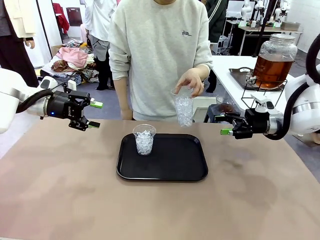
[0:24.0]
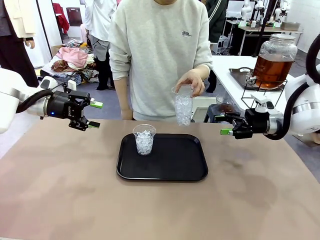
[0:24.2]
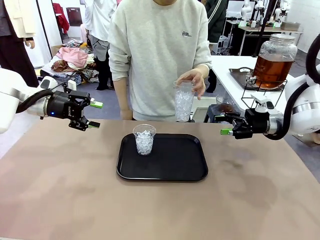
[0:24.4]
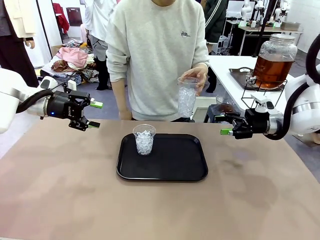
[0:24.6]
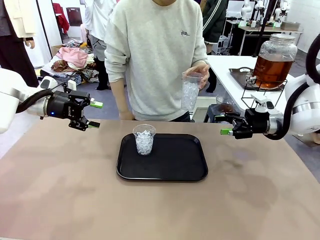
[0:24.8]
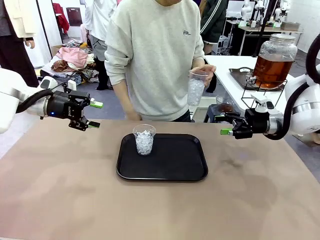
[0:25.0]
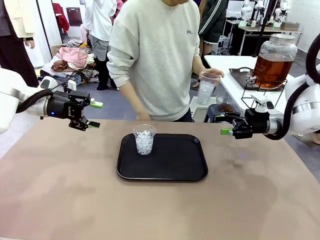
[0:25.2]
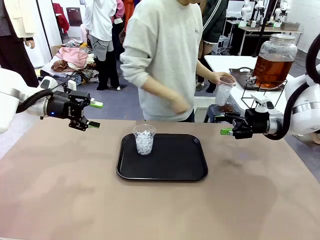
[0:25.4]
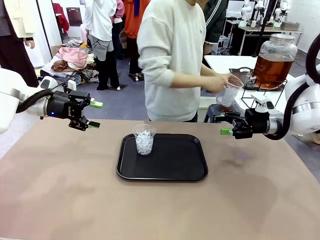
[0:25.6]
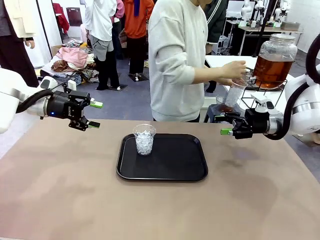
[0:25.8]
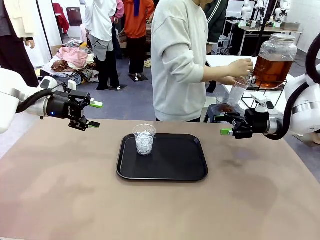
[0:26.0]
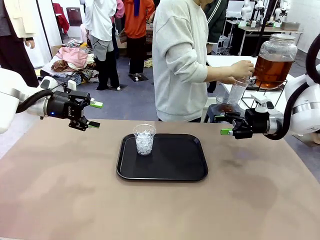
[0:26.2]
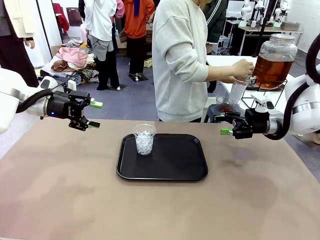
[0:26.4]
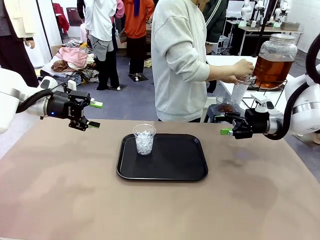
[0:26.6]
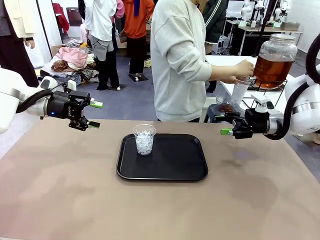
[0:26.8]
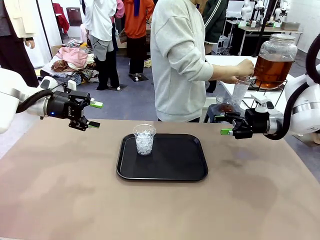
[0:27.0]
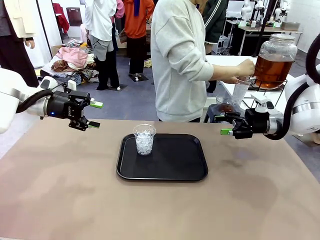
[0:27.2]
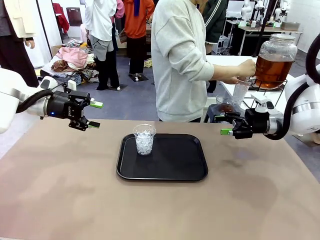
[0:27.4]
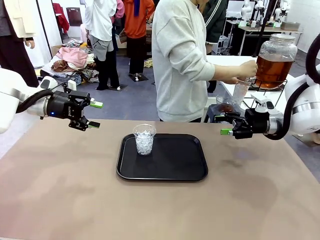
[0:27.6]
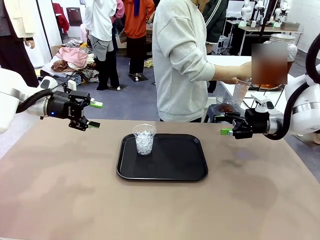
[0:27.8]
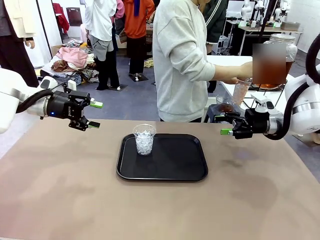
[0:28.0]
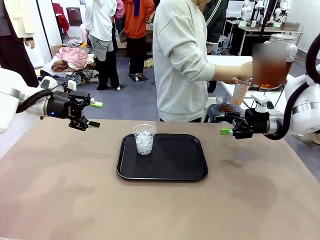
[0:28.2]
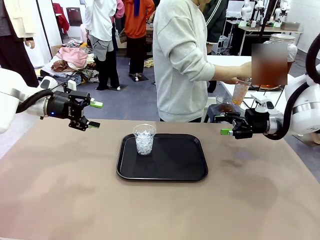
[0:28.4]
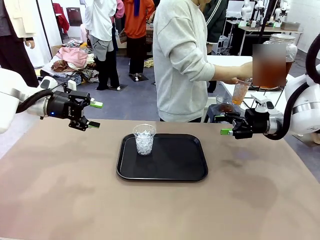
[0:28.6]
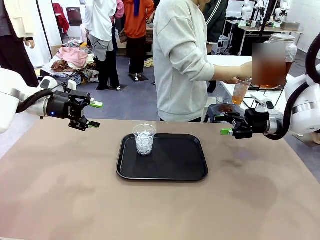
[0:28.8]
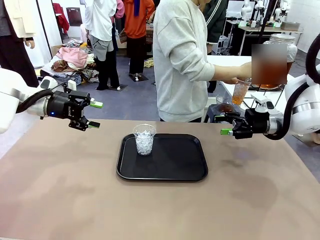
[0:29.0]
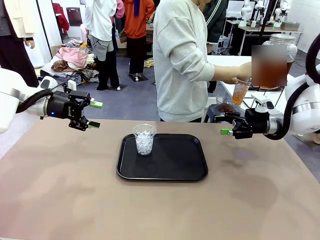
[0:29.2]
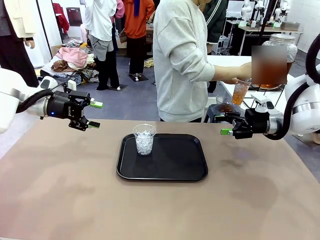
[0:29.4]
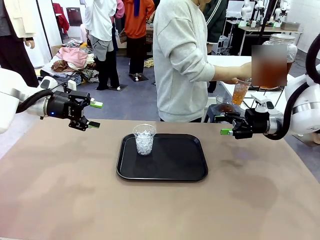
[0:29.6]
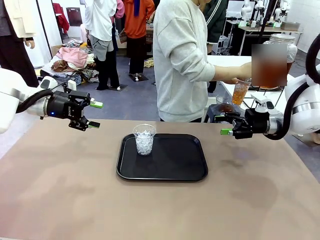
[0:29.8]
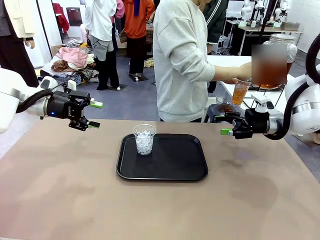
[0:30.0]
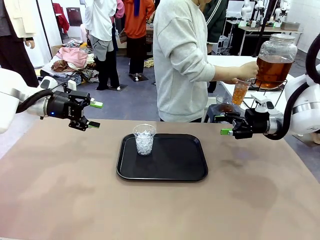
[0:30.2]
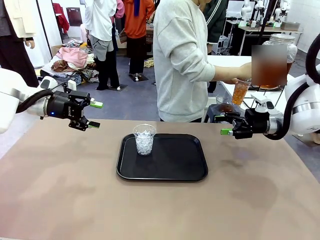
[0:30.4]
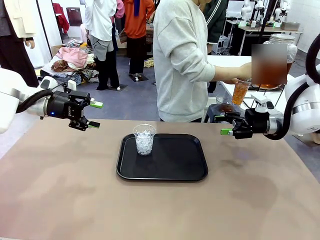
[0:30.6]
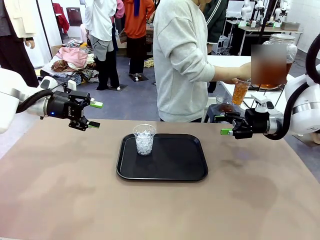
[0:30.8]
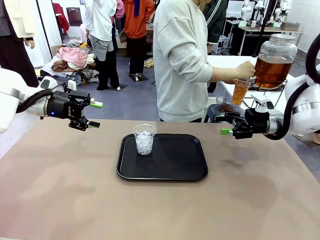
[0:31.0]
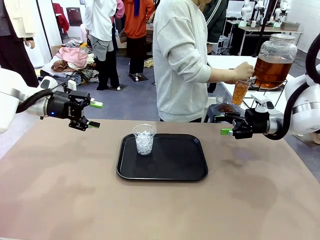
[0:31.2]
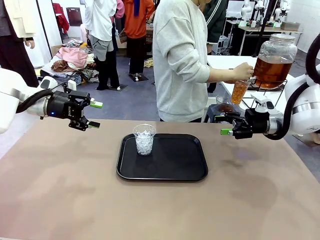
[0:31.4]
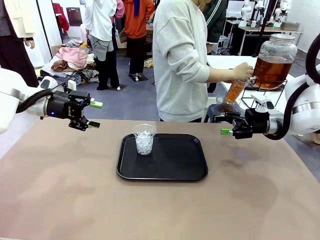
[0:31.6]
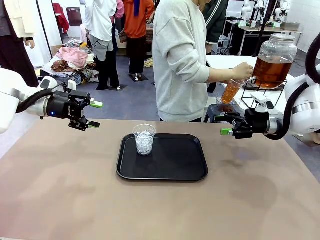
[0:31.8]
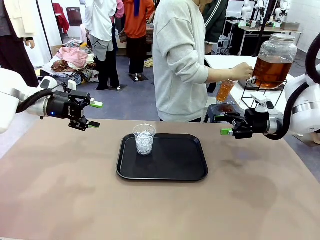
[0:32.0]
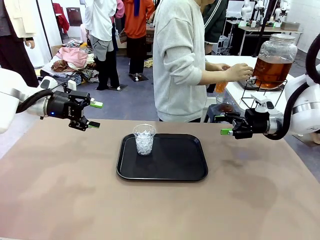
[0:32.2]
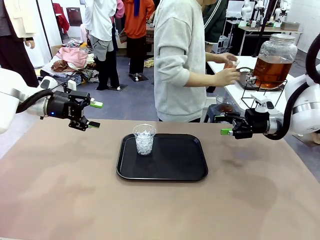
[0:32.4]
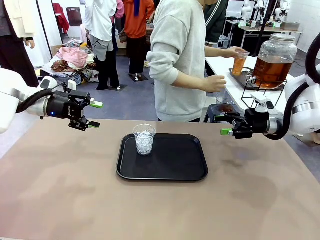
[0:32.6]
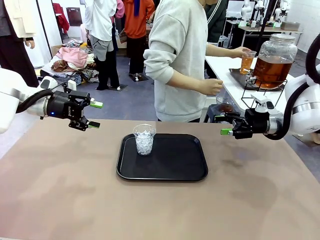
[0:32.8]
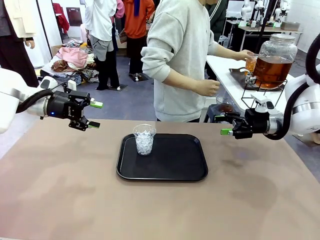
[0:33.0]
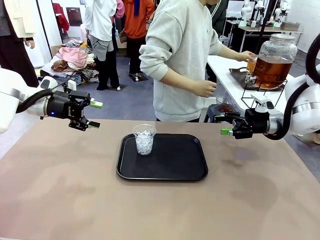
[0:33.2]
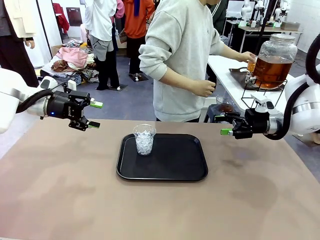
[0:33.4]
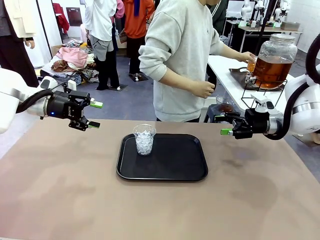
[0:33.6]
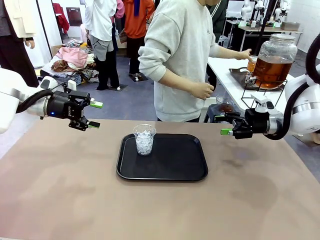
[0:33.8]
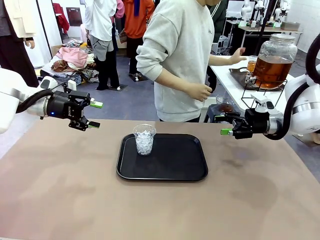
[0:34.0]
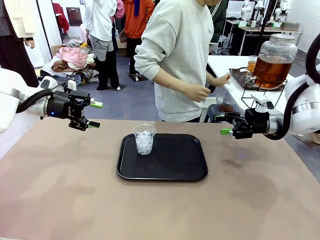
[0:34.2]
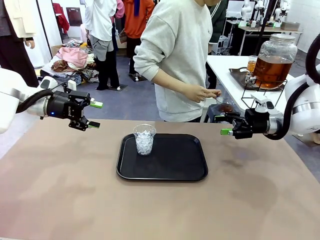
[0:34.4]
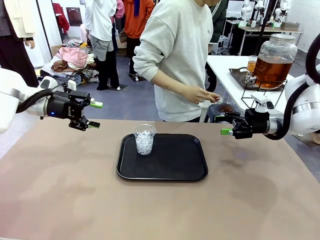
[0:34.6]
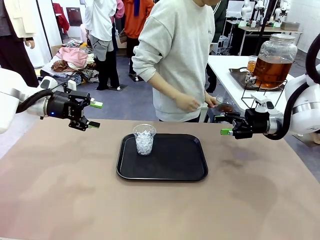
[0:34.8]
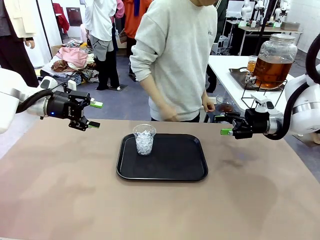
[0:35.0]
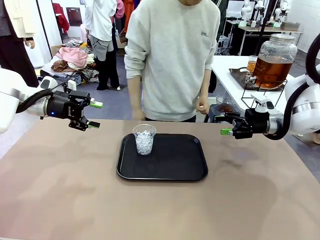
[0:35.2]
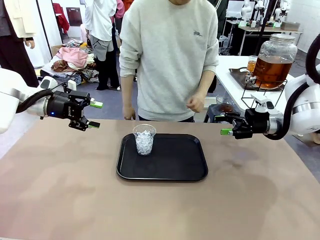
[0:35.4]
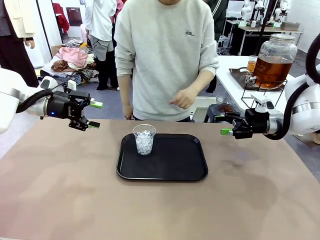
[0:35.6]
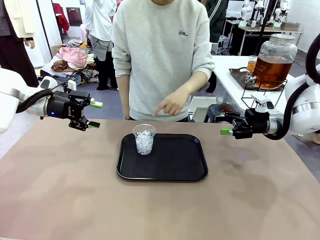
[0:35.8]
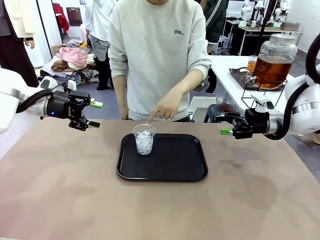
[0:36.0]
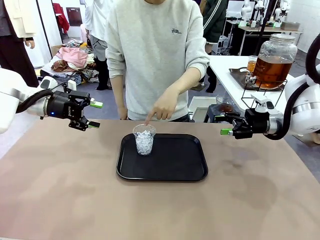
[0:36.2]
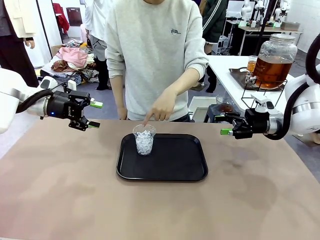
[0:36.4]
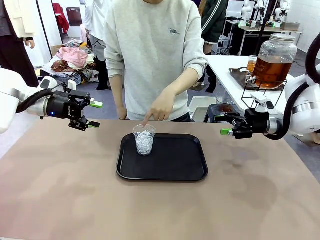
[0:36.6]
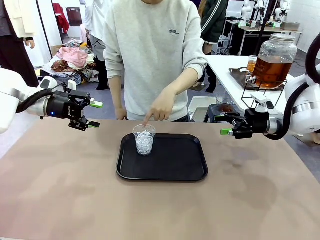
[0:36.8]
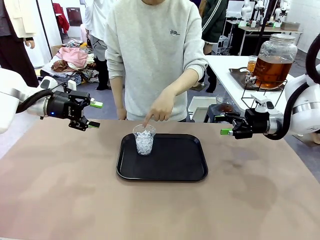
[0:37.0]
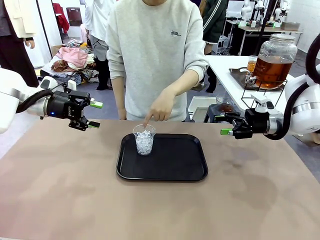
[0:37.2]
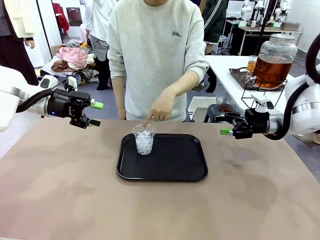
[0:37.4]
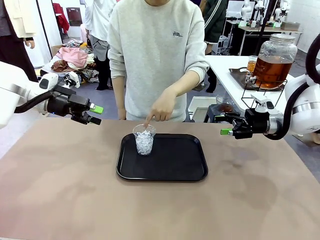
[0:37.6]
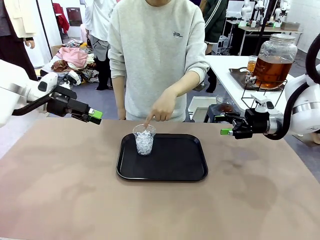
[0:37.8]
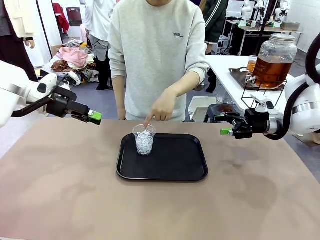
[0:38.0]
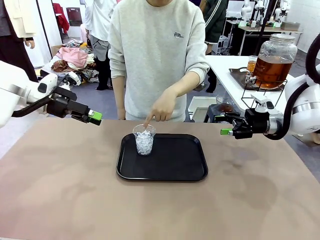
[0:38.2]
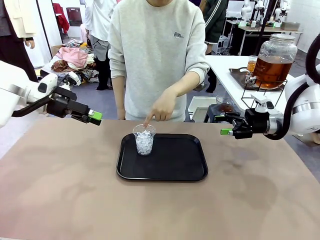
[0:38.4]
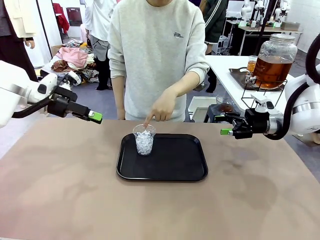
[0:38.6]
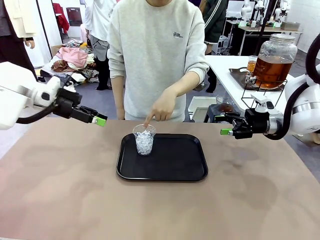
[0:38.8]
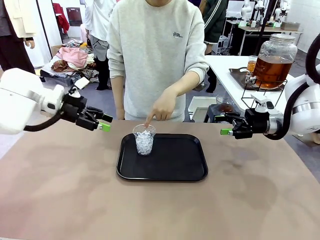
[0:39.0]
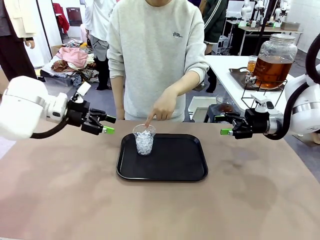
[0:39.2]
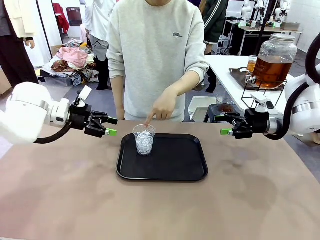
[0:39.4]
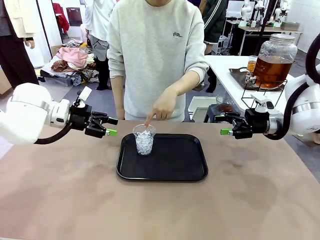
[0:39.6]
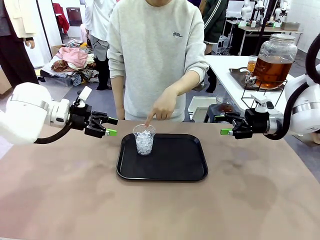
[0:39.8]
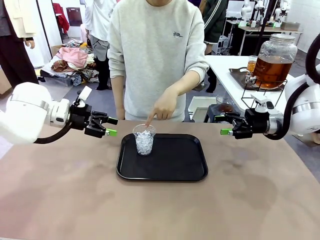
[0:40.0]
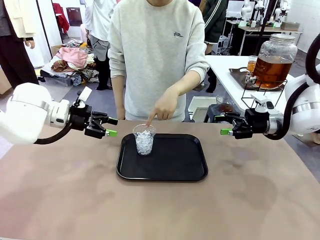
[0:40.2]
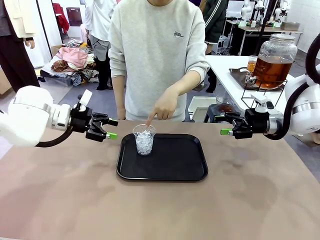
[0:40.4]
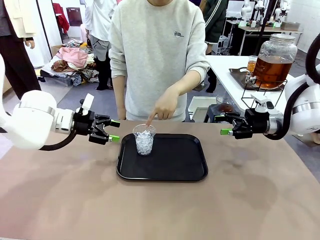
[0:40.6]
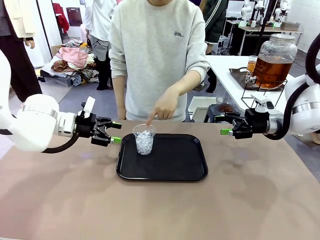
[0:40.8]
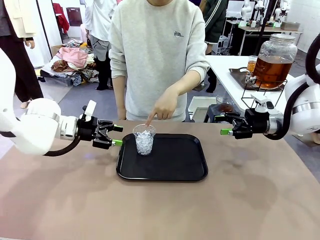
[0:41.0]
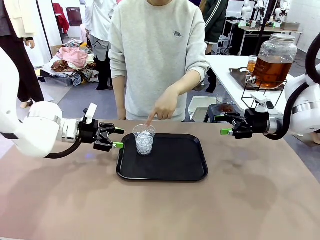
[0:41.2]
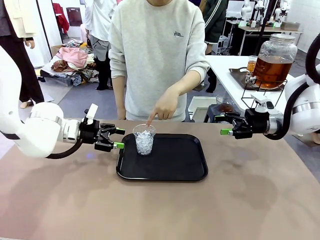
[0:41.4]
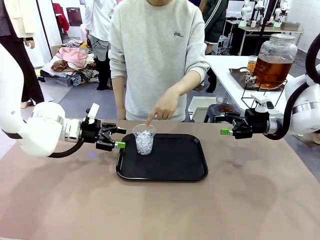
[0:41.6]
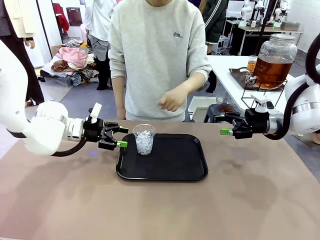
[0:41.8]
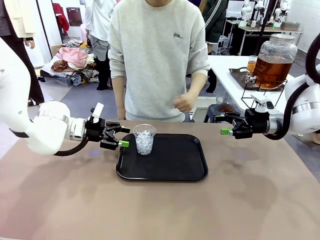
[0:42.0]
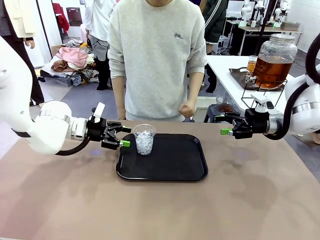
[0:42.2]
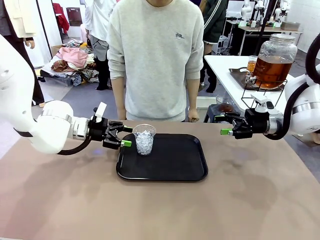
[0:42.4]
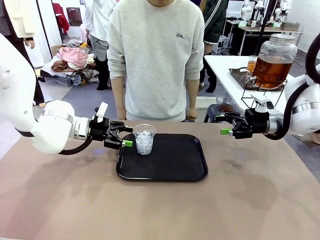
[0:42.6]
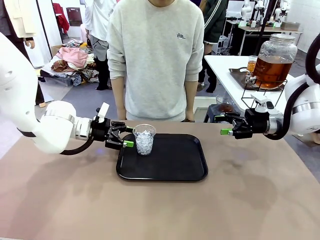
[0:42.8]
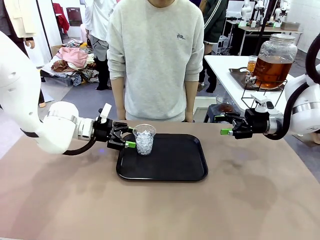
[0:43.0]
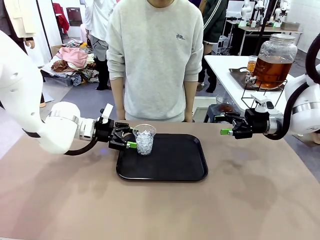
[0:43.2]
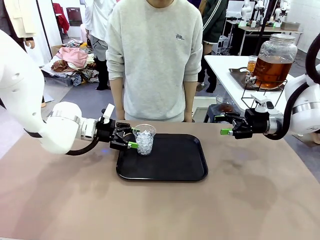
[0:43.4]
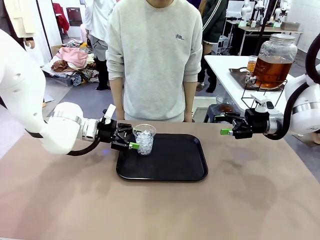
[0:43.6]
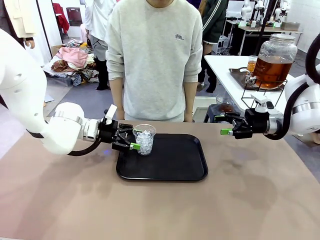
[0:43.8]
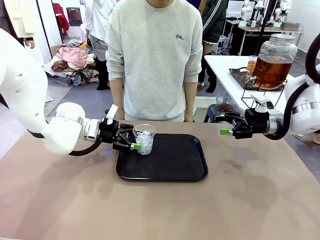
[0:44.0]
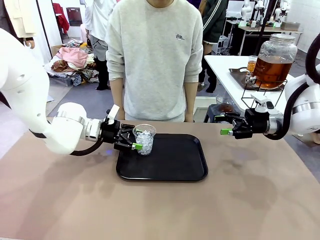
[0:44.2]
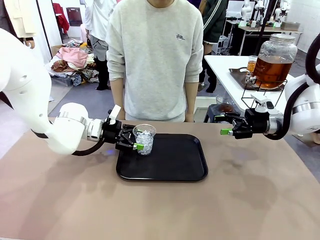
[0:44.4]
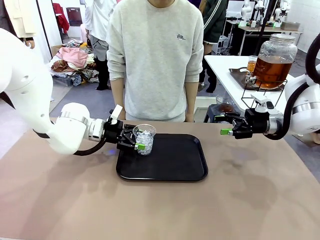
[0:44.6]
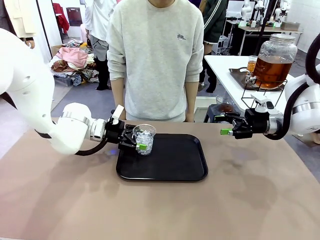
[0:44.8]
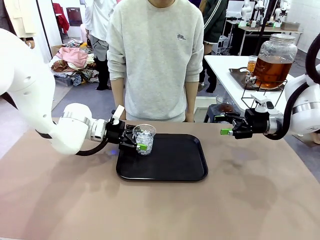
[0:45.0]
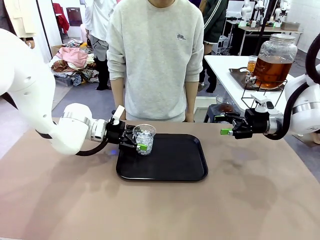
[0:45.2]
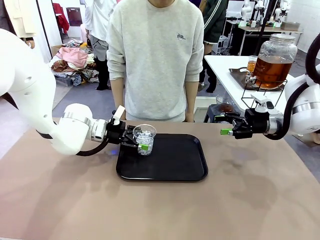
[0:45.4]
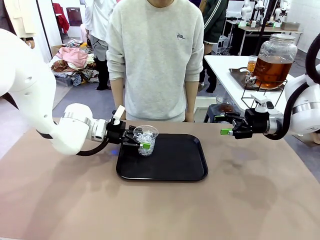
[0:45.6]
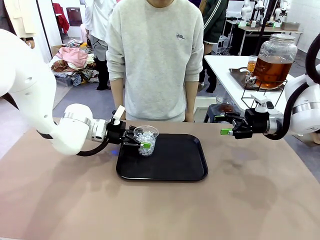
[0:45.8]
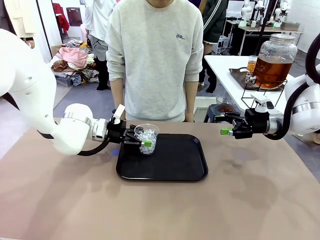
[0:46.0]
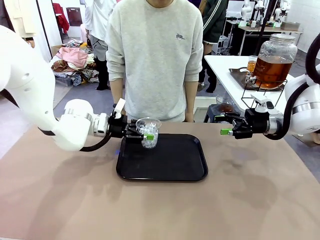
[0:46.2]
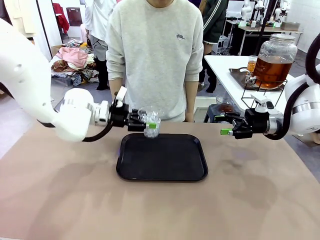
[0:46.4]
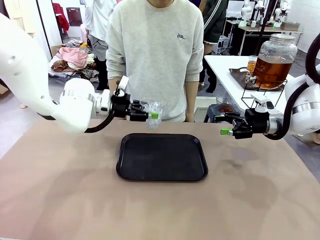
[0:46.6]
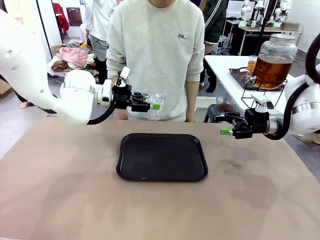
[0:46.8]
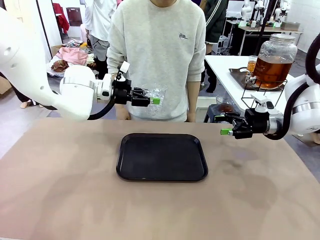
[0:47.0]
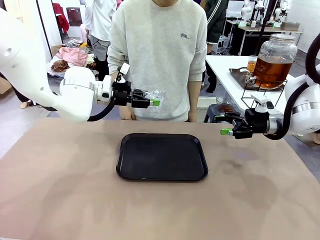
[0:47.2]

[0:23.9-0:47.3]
Task: Pour the drink into the iced cup.
Robot: Pick up the iced cup indicated by the human and present it to them.
Person: Move the picked-up cup under the dispenser faucet, pour the drink, and place it on the tray on the human table. Point to the remaining ice cup on the robot table. Pick up the cup offered by the robot.
